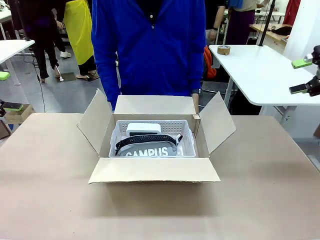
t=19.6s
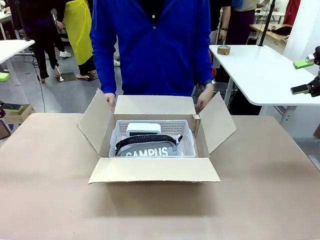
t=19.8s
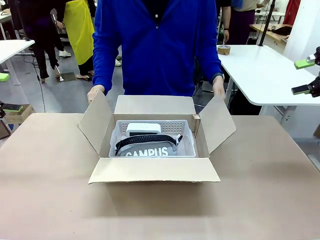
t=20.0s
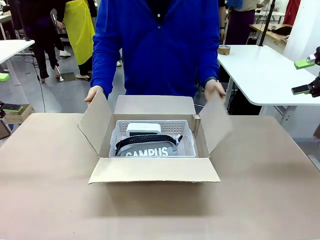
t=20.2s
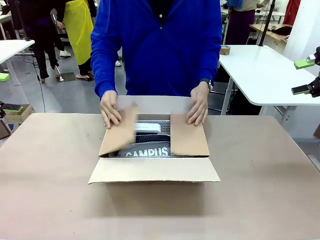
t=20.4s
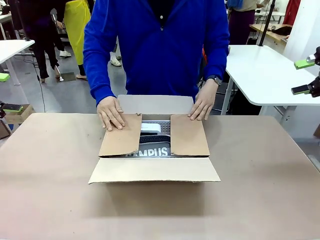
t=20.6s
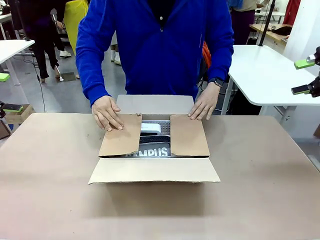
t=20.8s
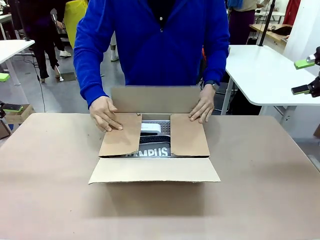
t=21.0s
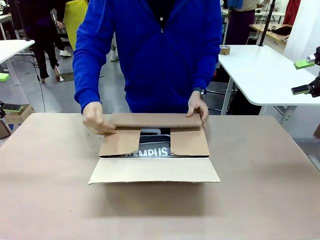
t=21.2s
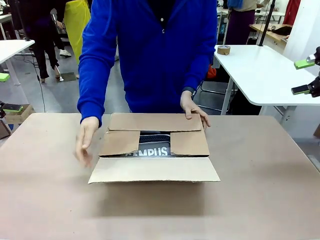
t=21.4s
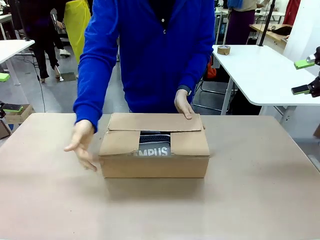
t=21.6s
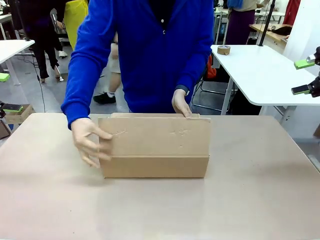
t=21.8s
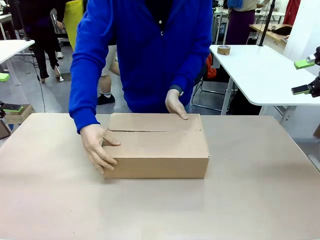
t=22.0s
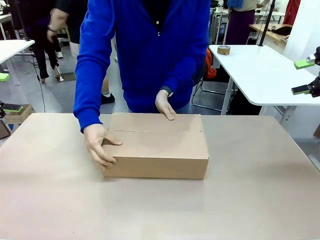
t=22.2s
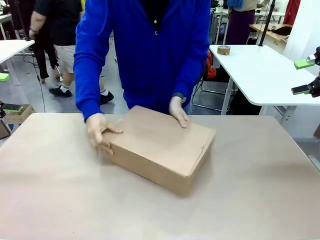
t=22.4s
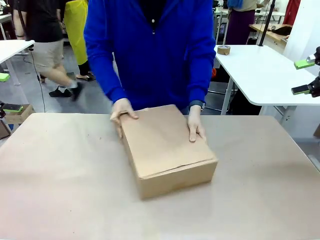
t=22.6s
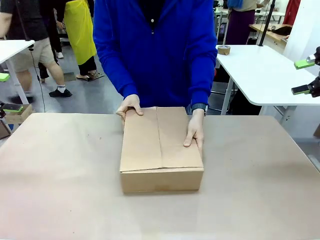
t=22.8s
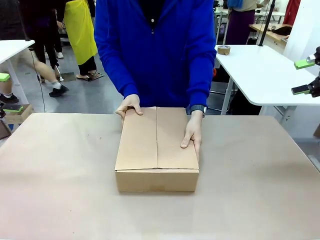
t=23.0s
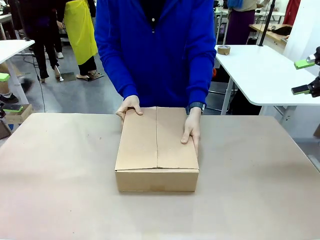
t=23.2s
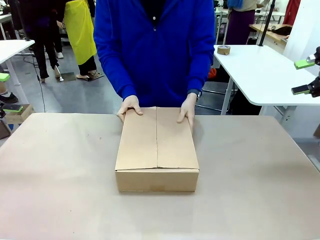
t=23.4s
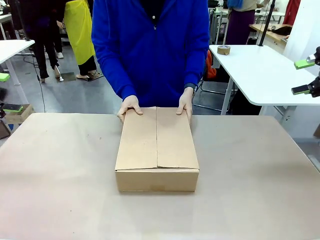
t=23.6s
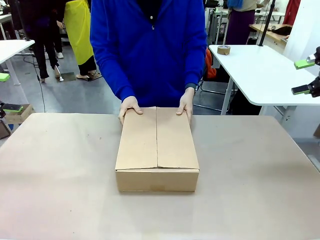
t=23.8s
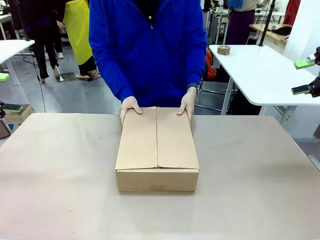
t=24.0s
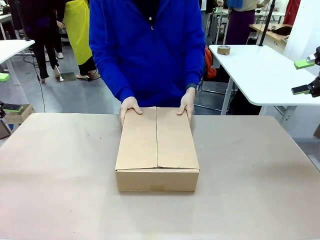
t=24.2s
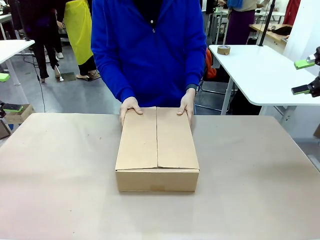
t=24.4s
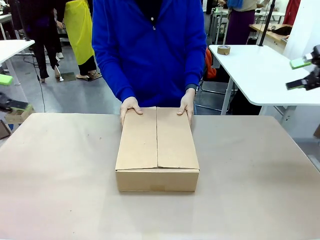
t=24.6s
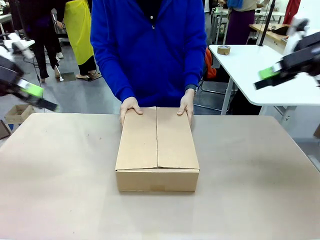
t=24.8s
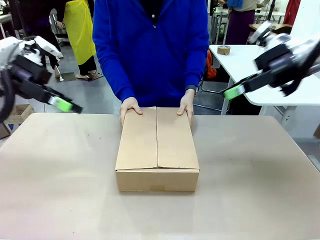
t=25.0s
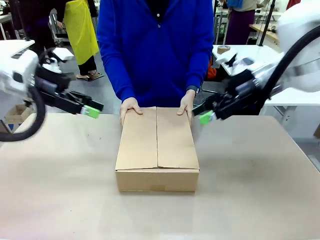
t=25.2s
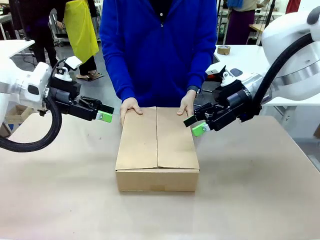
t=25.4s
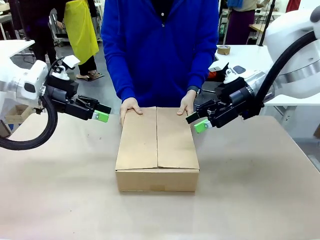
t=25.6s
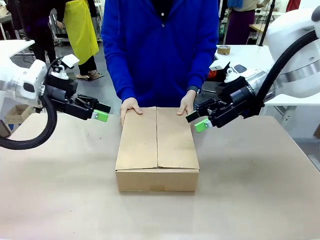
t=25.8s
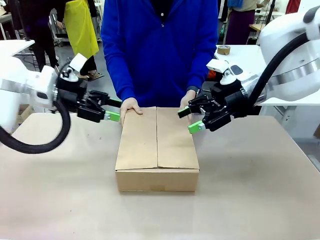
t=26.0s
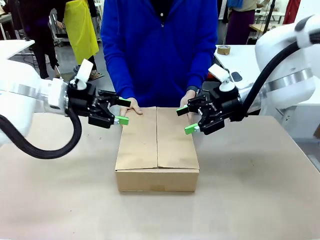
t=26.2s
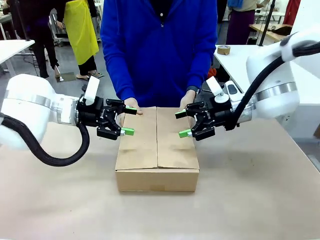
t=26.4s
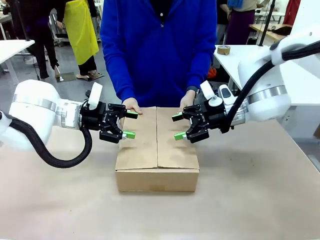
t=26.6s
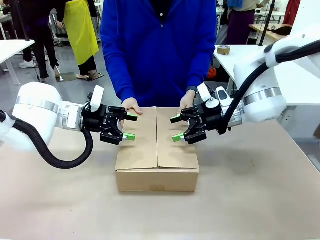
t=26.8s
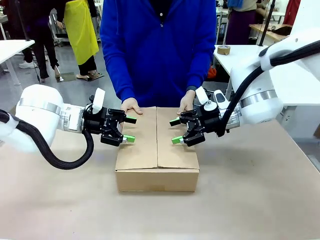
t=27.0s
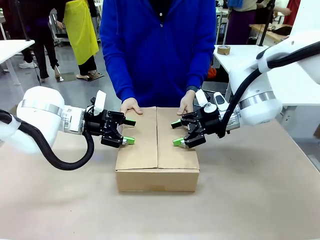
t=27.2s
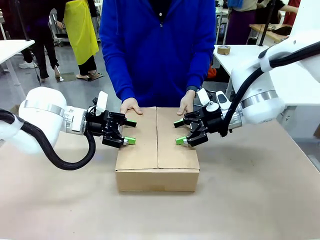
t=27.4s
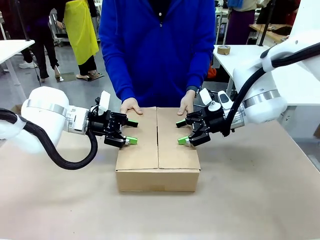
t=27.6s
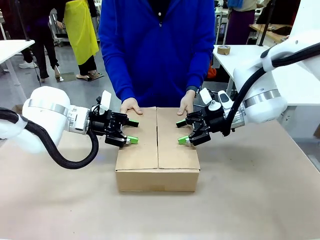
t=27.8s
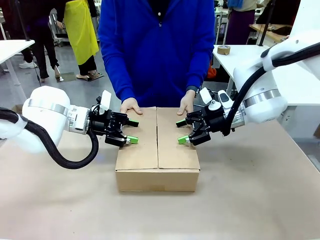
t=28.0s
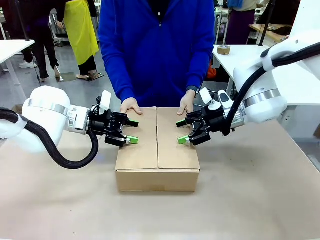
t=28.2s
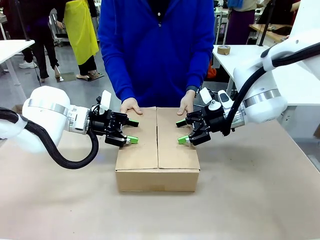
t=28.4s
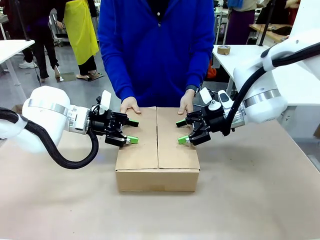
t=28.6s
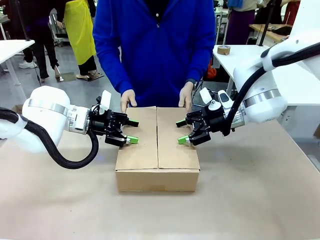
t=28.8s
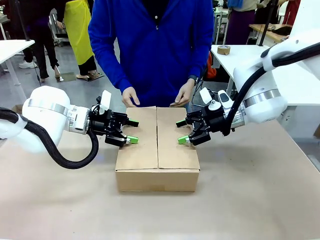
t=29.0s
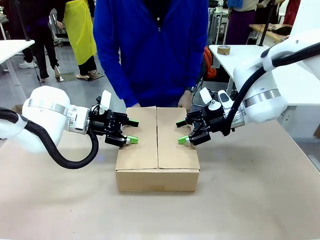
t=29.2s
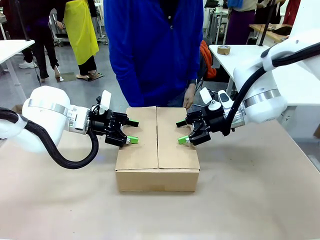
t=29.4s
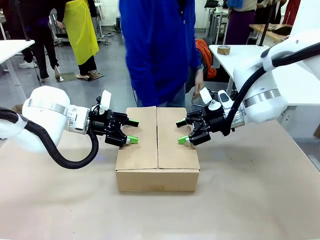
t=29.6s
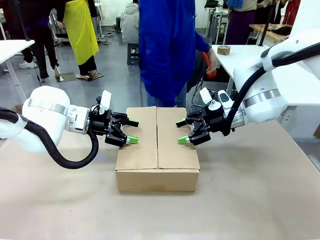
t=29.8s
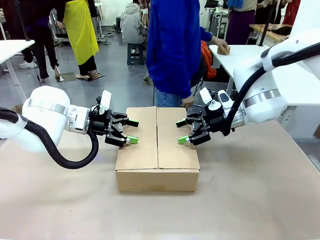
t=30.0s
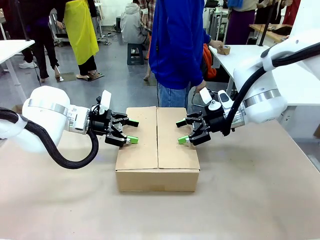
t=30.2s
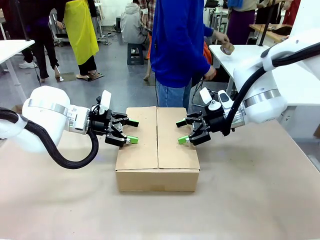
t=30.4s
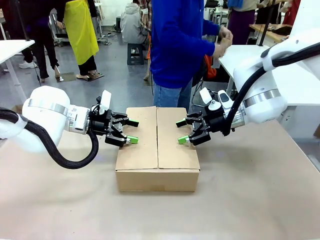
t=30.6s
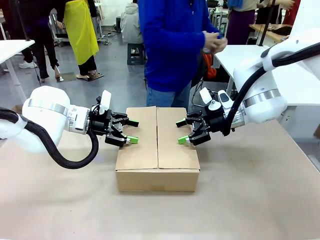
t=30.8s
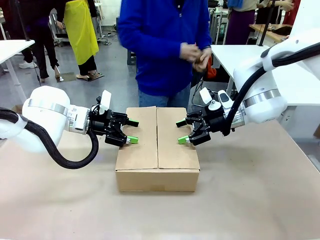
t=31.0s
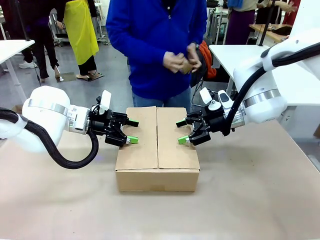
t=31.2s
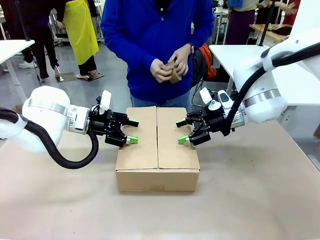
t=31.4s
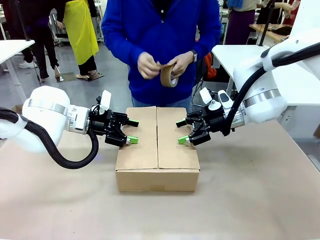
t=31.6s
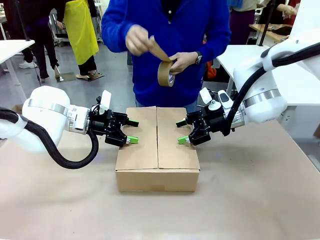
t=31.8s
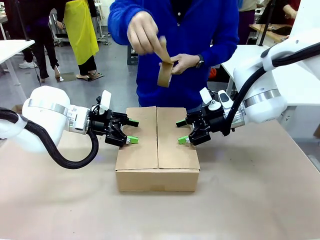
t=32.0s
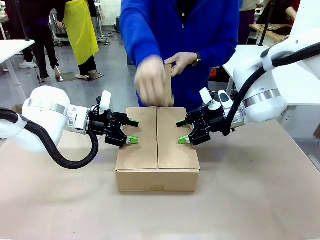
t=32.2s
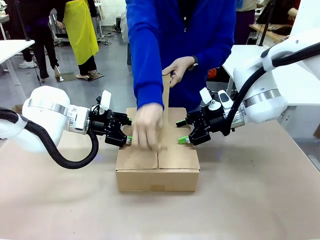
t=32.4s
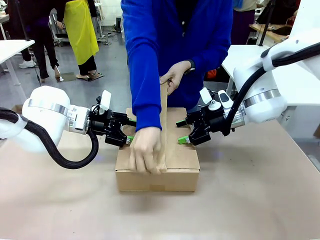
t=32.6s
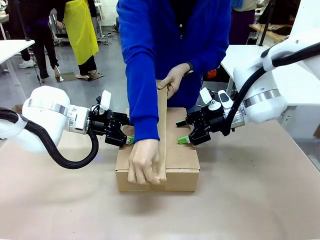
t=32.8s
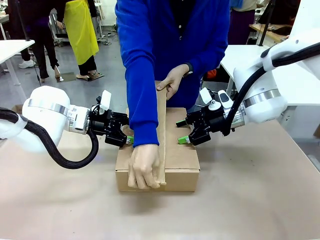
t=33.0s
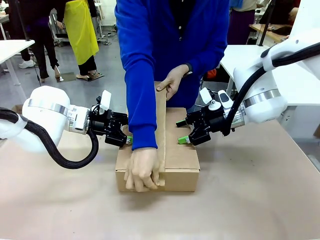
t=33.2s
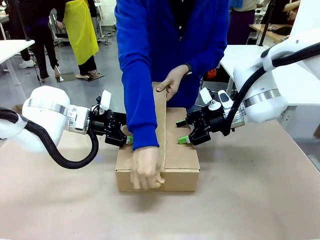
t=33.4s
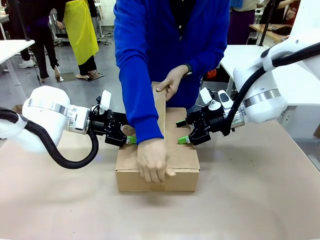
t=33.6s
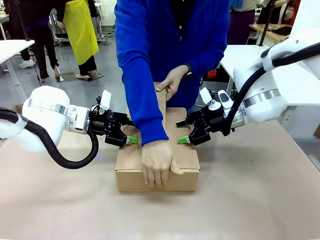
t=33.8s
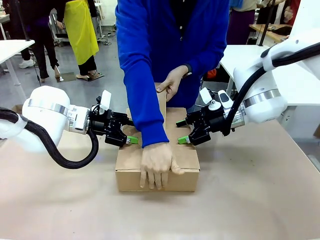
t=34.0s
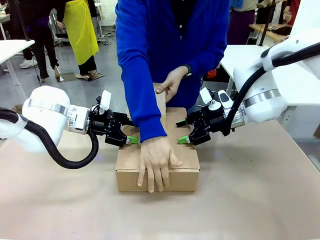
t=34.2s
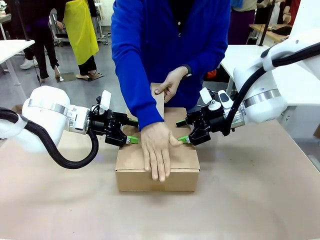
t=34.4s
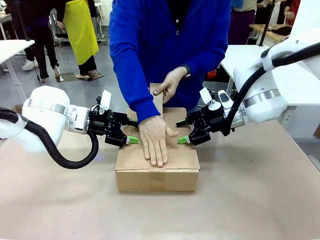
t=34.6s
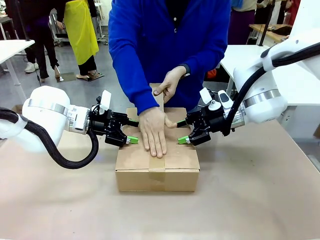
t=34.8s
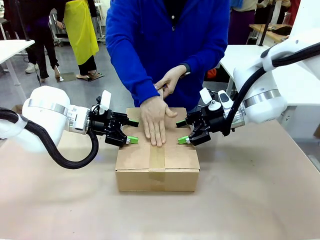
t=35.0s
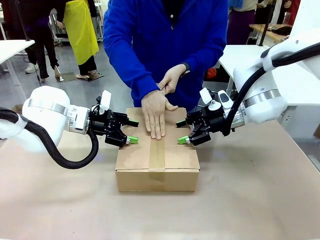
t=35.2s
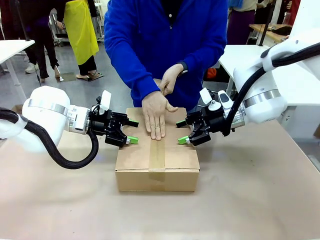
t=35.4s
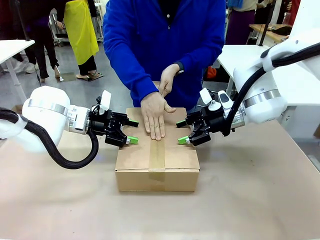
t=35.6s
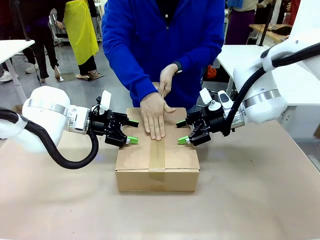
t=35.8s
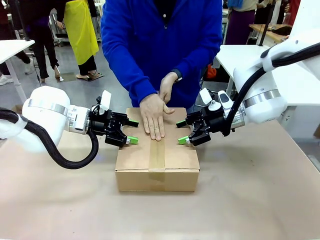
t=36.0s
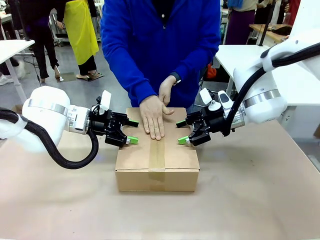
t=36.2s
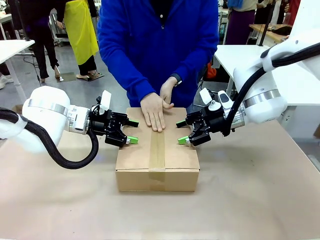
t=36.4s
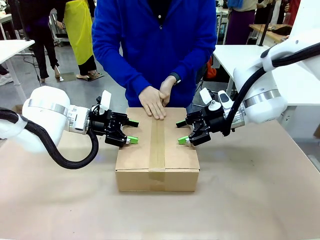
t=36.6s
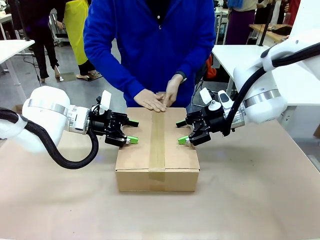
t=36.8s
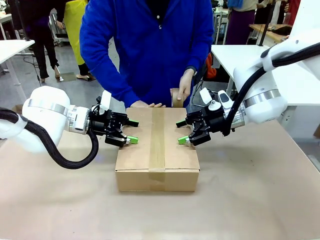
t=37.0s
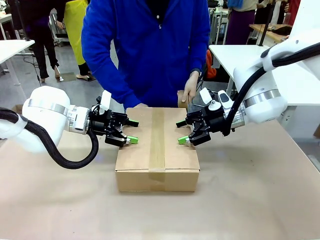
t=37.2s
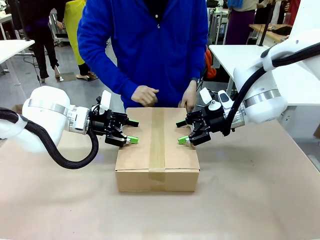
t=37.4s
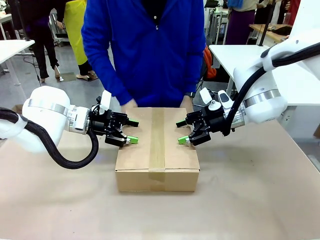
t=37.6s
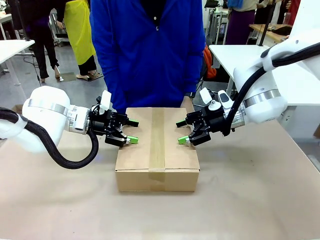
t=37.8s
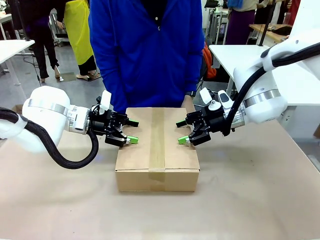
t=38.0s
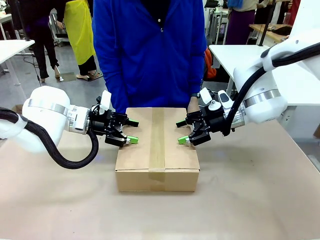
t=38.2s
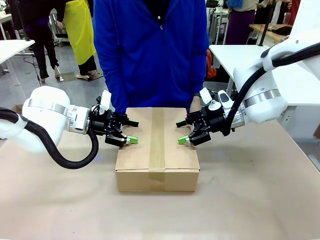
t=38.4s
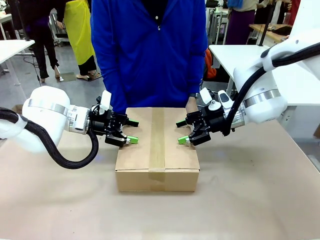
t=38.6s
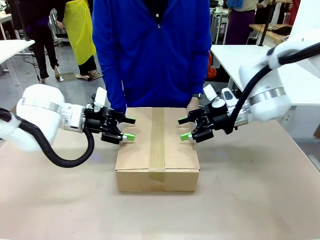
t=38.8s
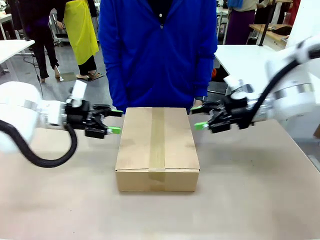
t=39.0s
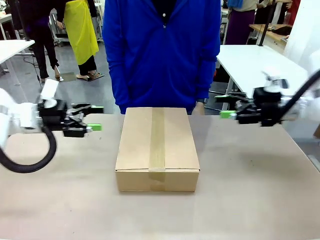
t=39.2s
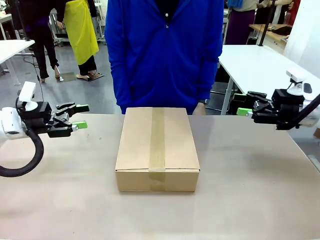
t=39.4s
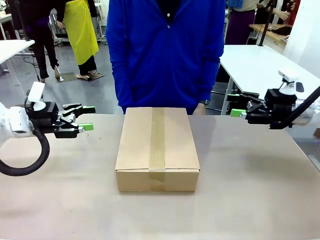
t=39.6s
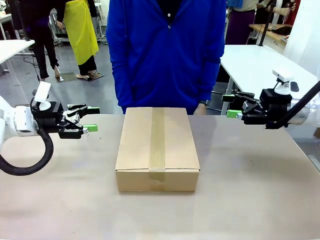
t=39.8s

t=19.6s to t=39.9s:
Task: Pack the gift set into the box.
Robot: Press and hold the closed box until the human finishes sealing it.
Person: The human closes the box and rotates the box by 90 degrees. The human picks up the paper tape from the human table and packs the box.
